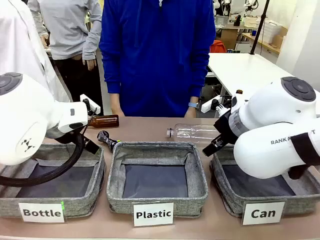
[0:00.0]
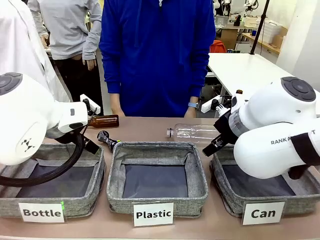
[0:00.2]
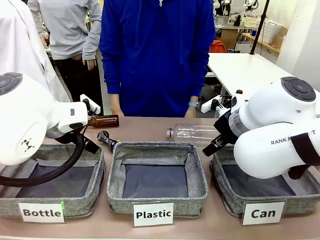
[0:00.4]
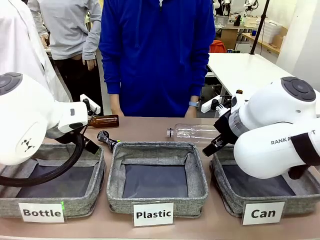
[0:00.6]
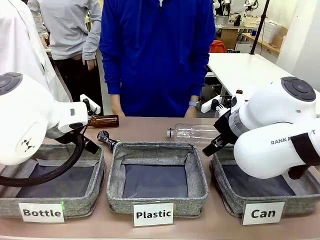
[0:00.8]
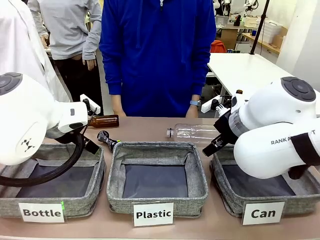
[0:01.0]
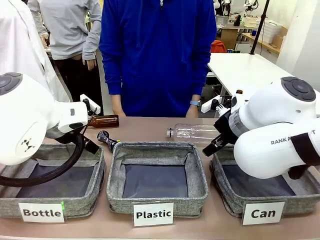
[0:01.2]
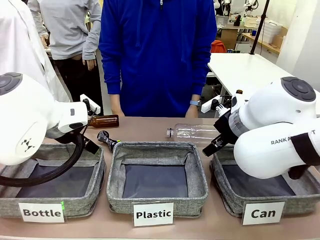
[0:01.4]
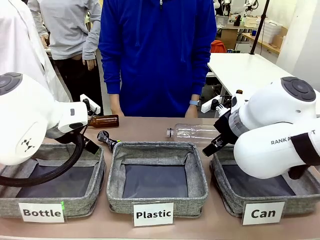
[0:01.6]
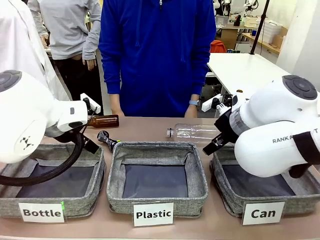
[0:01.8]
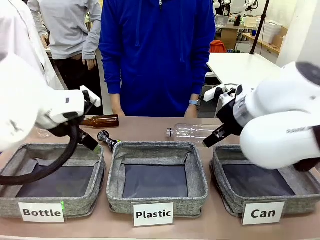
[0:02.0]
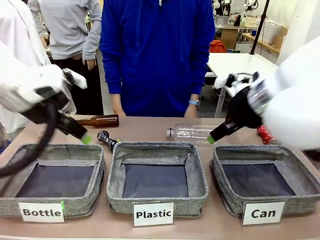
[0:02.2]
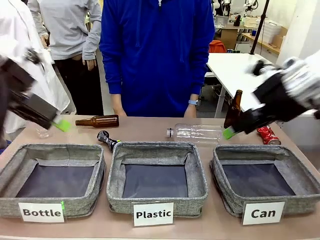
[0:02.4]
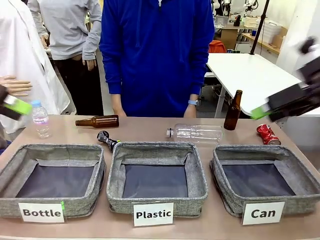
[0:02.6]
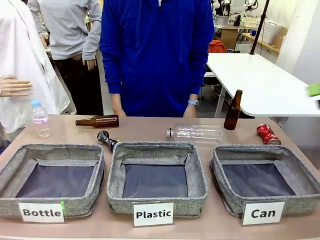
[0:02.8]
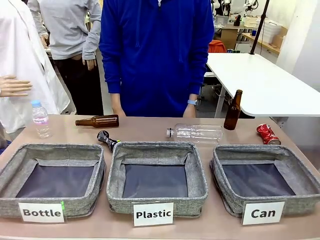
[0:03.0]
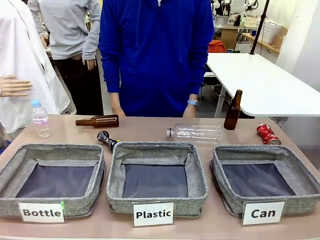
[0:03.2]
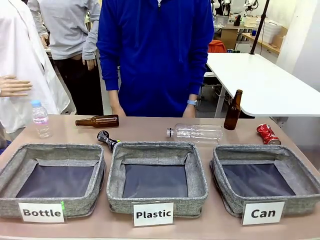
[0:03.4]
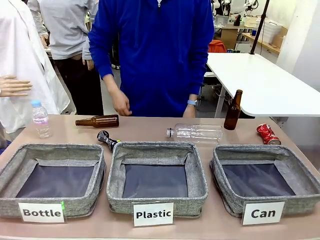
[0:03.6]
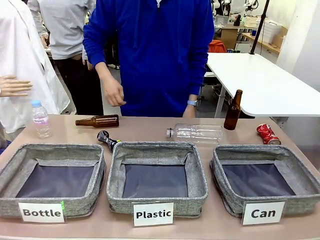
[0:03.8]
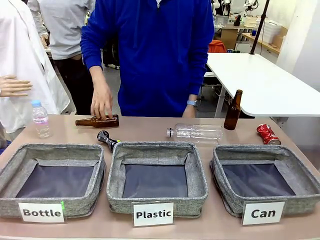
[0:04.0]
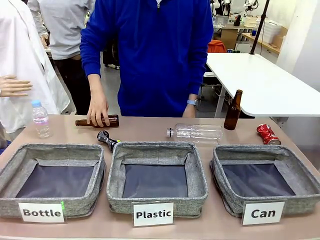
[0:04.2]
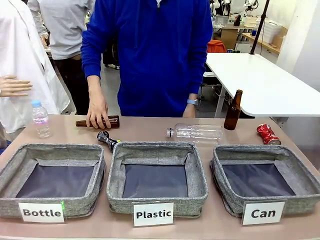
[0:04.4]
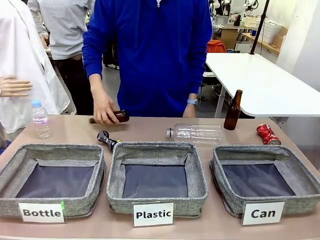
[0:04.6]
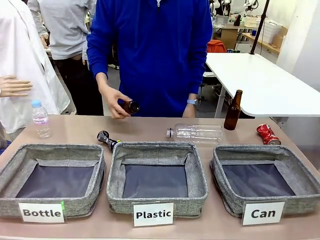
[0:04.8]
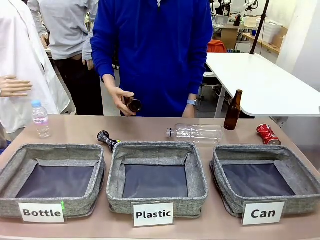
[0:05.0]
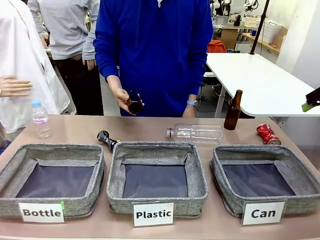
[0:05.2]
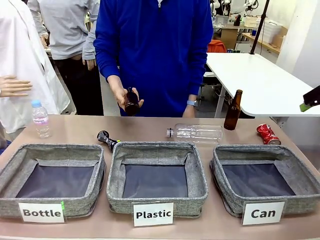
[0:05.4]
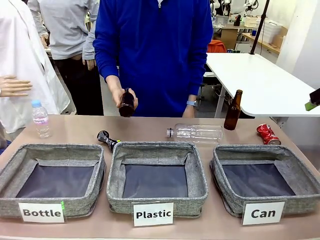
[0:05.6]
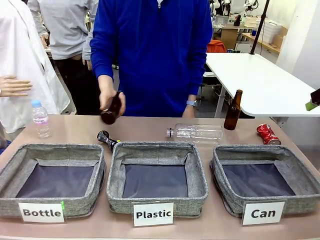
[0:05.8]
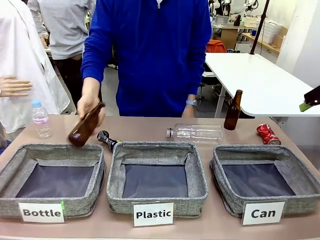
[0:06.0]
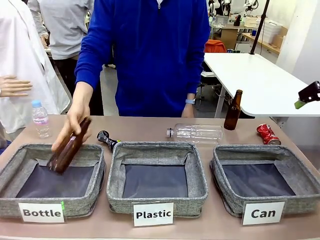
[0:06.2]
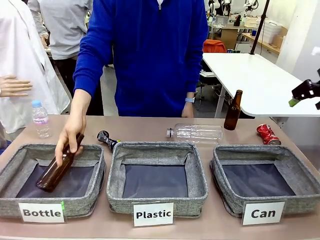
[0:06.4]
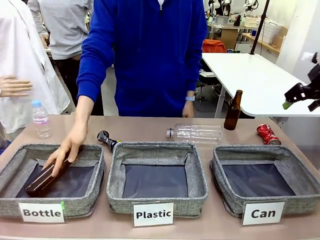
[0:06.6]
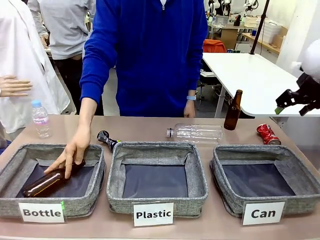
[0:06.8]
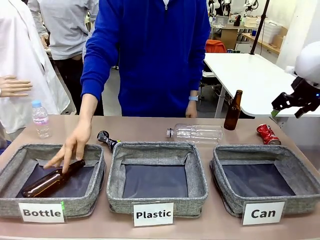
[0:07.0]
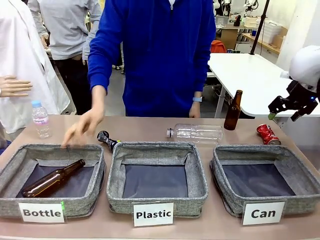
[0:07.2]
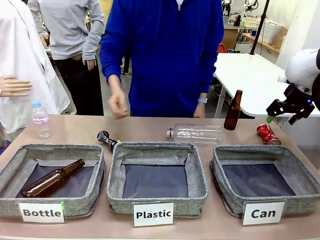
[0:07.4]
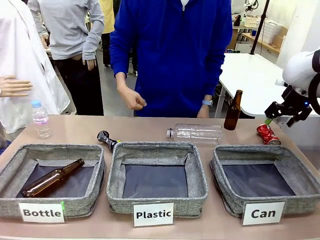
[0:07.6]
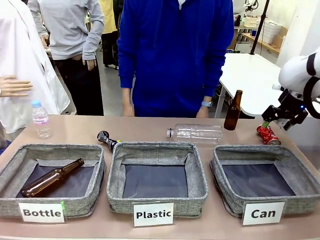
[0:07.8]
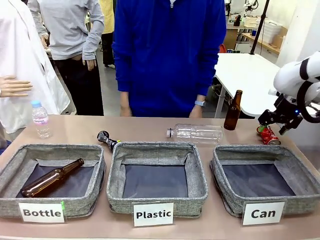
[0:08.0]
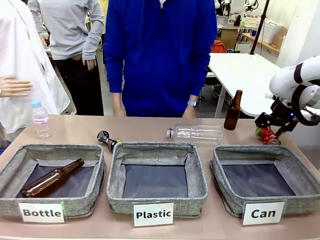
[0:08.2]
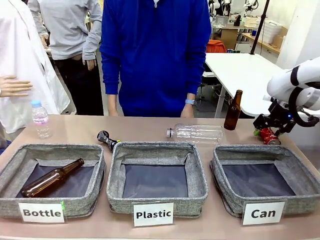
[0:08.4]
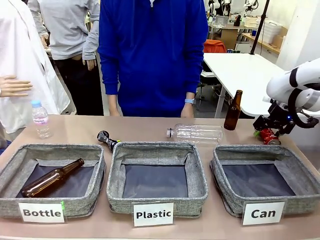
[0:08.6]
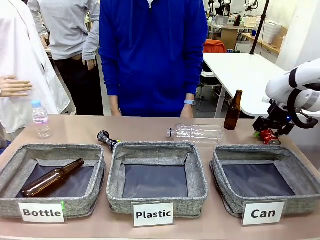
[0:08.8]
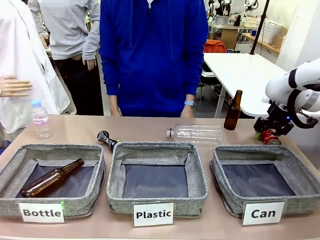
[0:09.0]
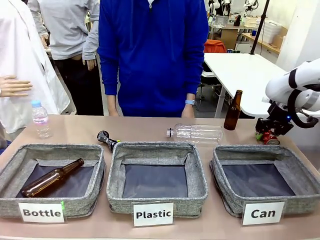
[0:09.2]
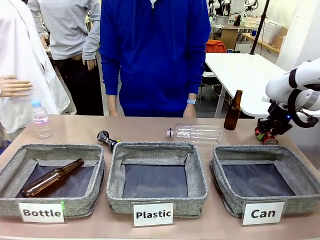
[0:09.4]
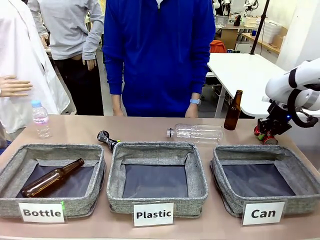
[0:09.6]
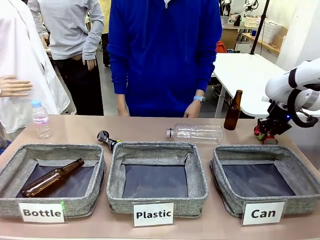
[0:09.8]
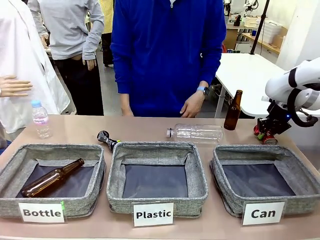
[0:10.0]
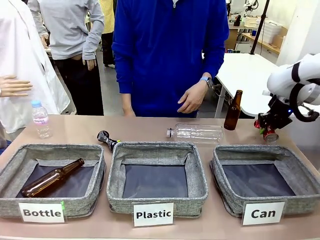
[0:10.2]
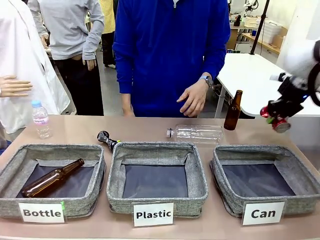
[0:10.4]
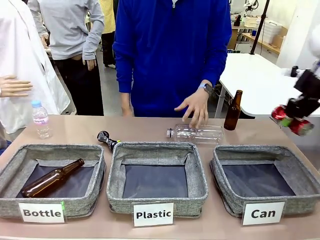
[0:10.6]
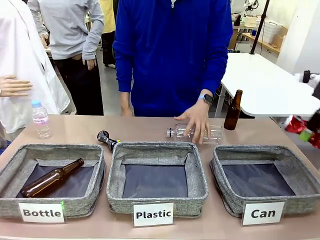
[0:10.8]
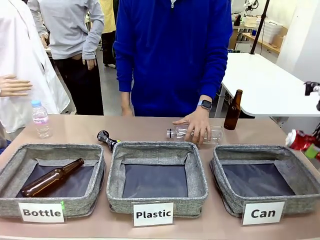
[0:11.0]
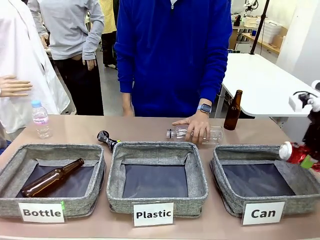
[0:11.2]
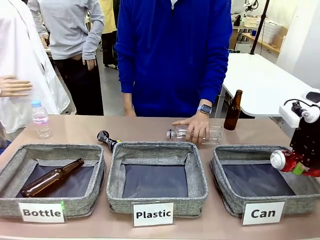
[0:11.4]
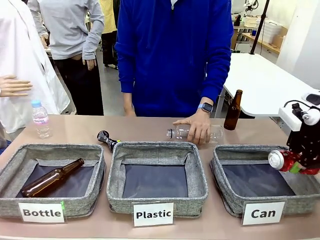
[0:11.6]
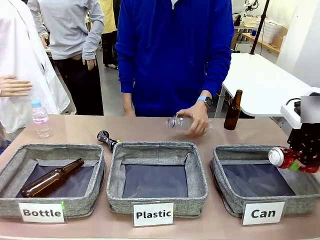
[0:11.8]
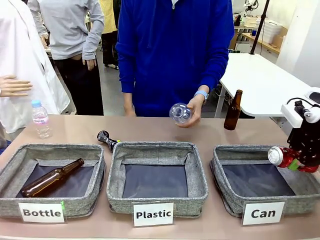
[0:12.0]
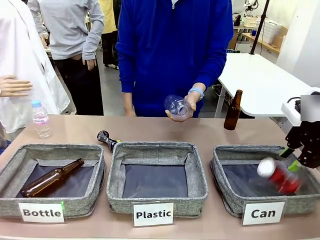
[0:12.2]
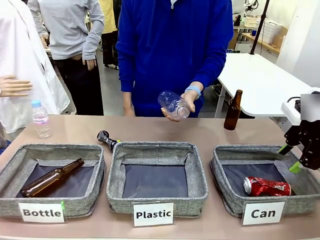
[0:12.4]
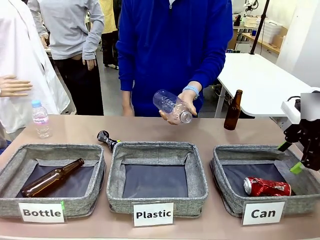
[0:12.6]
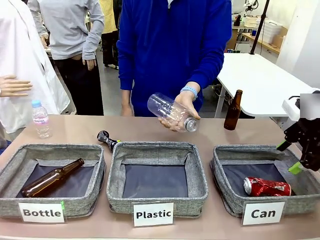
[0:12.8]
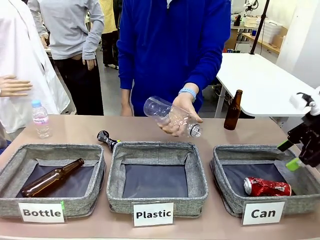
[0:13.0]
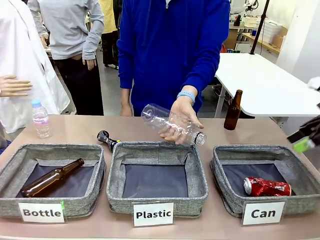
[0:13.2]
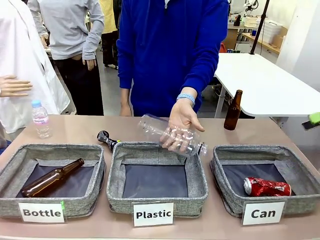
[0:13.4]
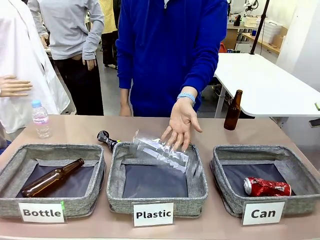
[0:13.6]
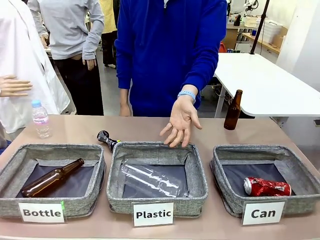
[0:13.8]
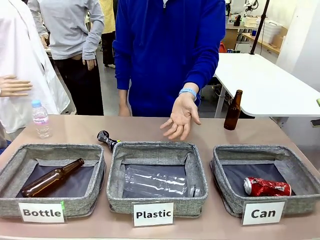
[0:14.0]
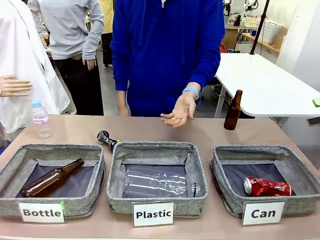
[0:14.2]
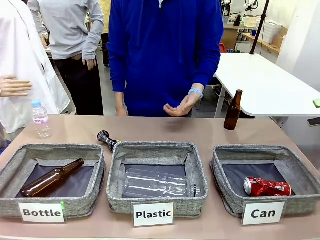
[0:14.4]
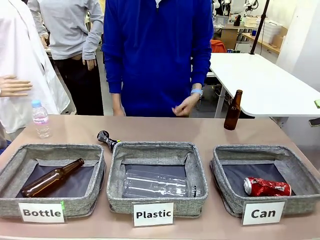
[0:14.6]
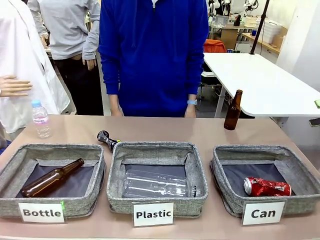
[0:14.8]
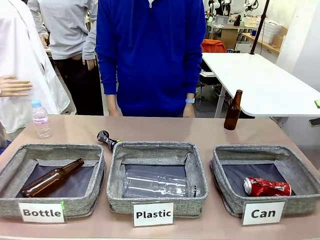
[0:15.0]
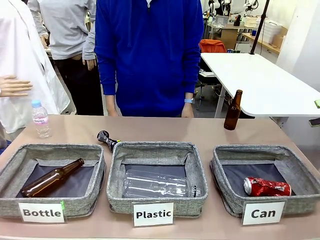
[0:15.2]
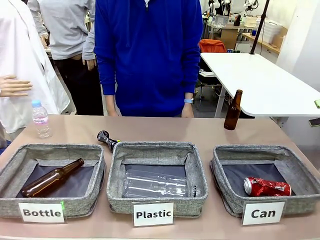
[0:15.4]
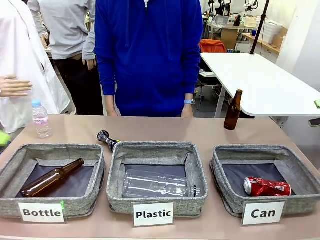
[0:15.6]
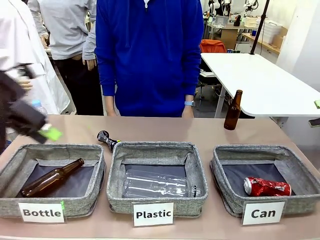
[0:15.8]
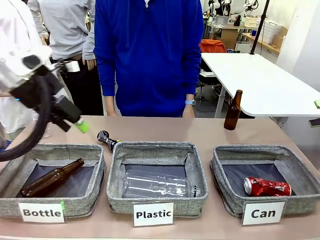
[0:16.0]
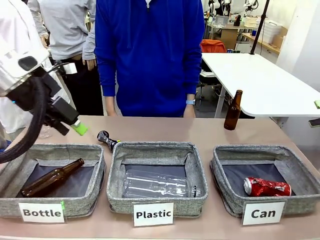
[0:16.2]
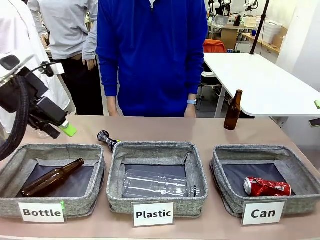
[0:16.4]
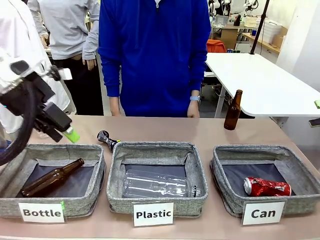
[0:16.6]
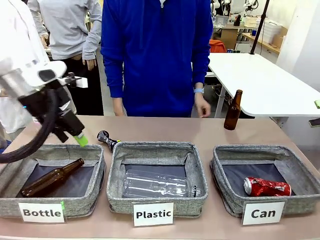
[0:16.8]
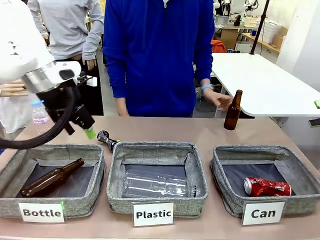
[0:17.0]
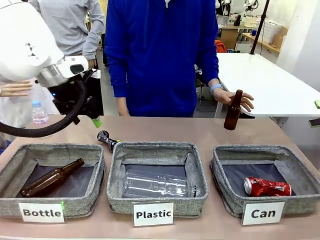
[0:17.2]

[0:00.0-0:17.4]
Task: Sort the can waste into the basket.
Robot: Pick up the can waste from the table and place it in the right Fabric basket.
